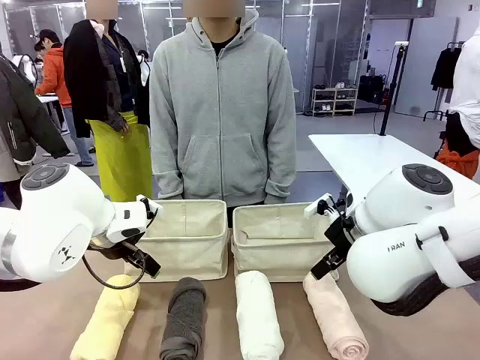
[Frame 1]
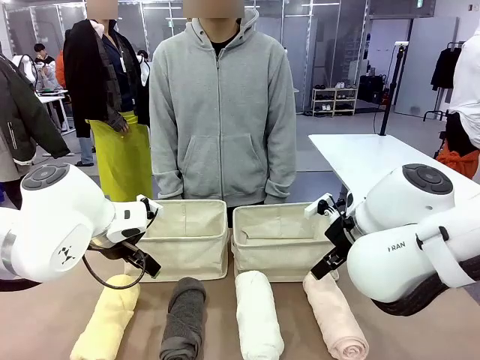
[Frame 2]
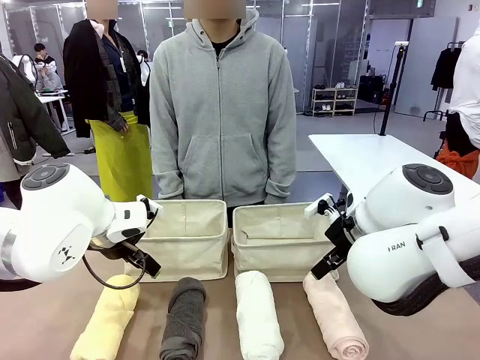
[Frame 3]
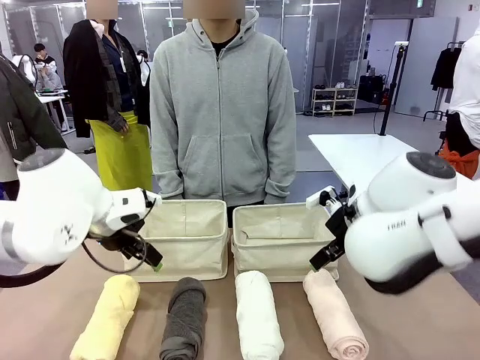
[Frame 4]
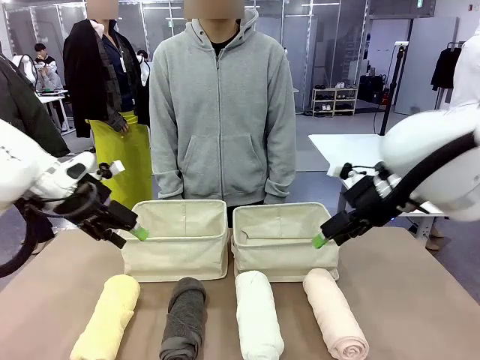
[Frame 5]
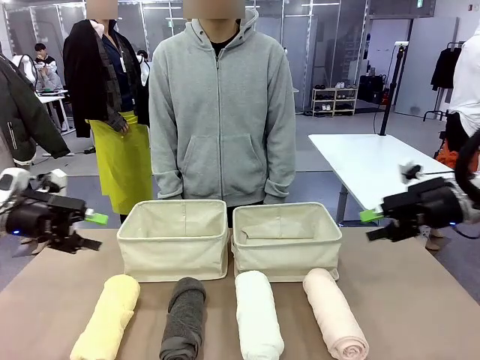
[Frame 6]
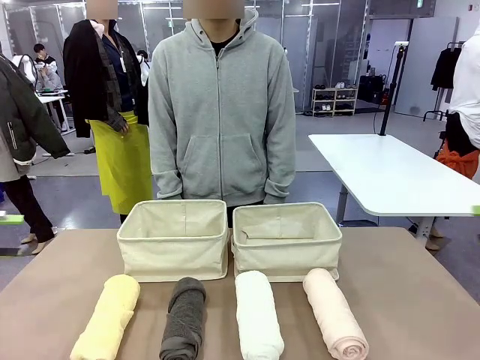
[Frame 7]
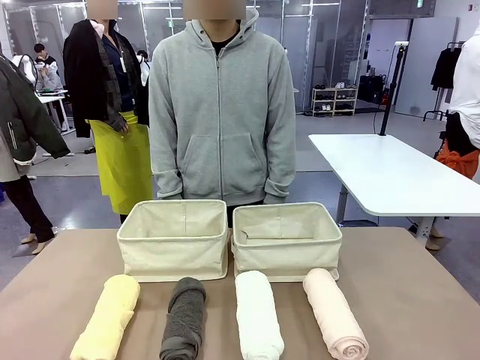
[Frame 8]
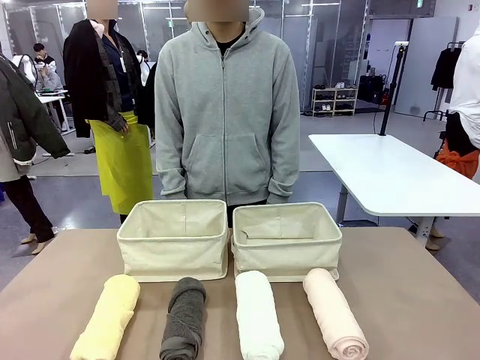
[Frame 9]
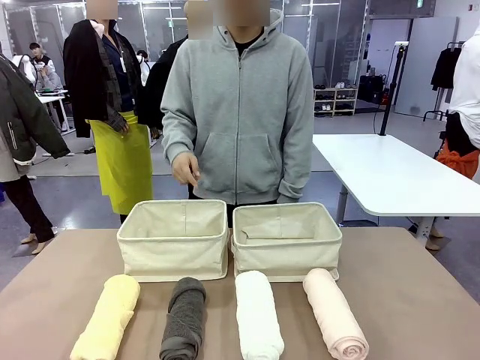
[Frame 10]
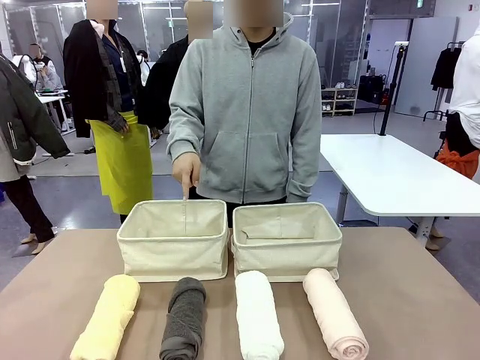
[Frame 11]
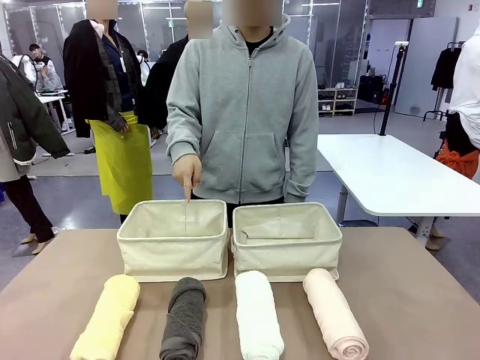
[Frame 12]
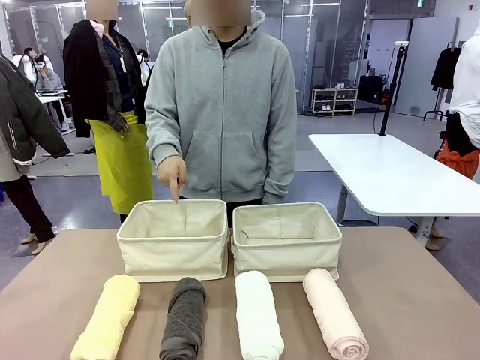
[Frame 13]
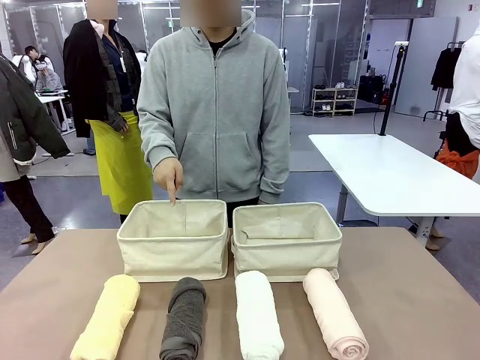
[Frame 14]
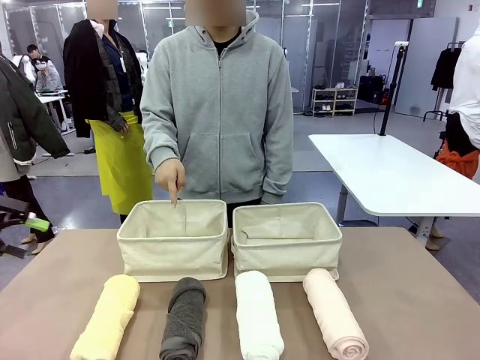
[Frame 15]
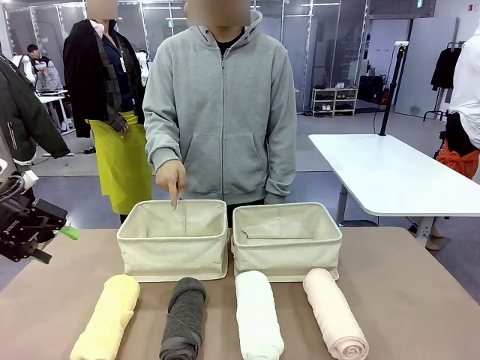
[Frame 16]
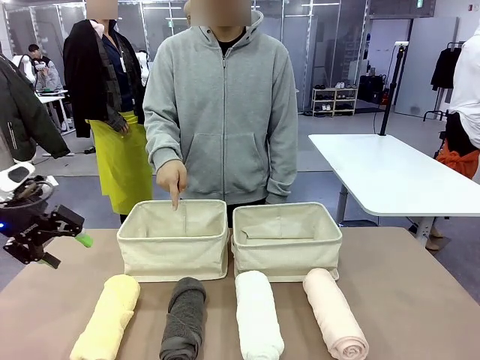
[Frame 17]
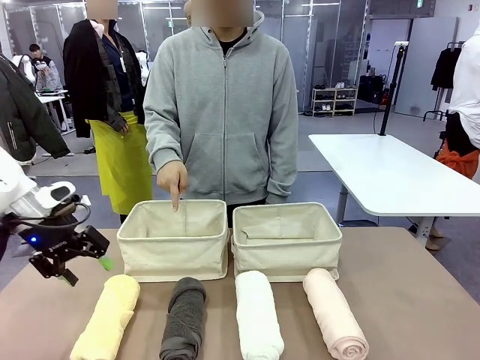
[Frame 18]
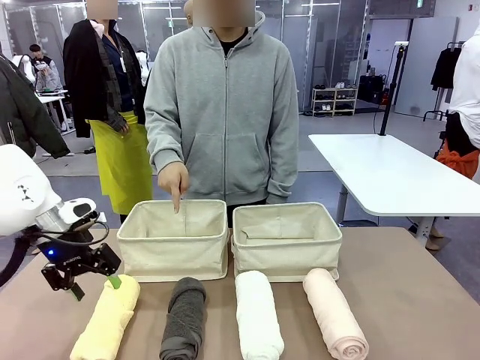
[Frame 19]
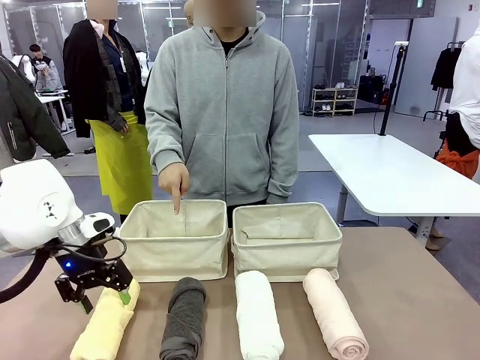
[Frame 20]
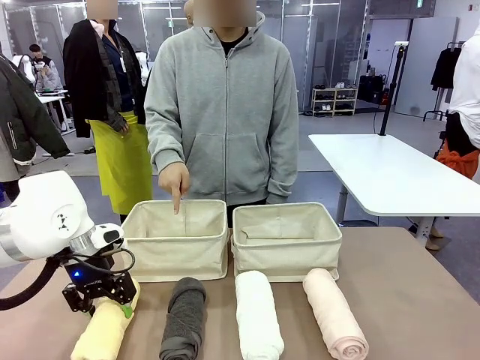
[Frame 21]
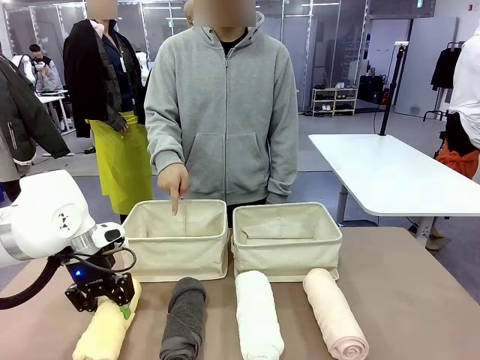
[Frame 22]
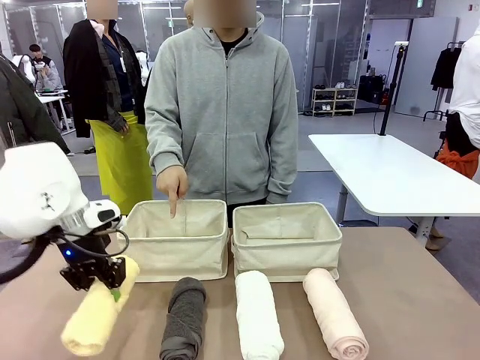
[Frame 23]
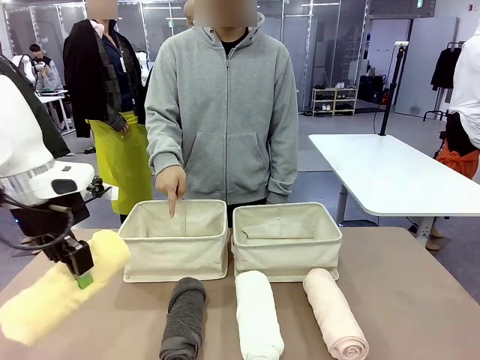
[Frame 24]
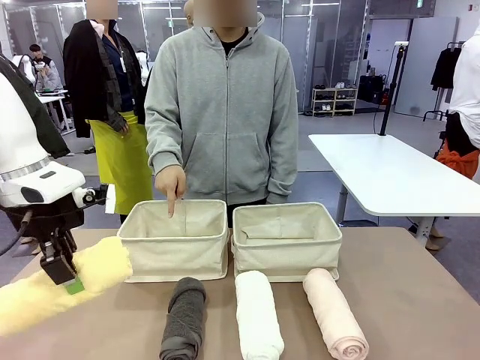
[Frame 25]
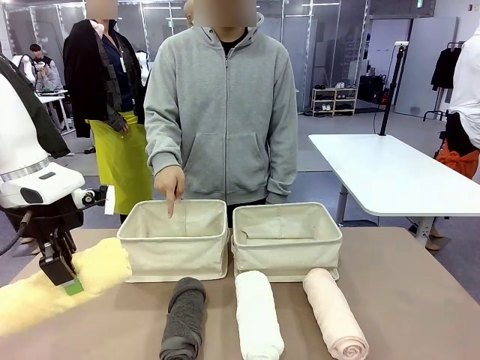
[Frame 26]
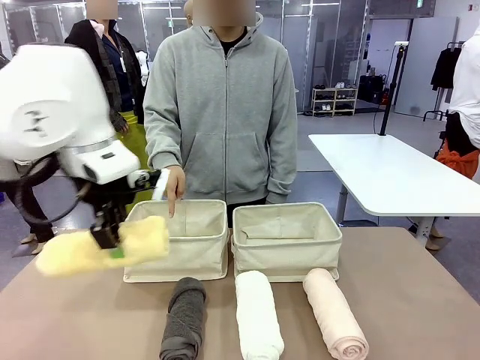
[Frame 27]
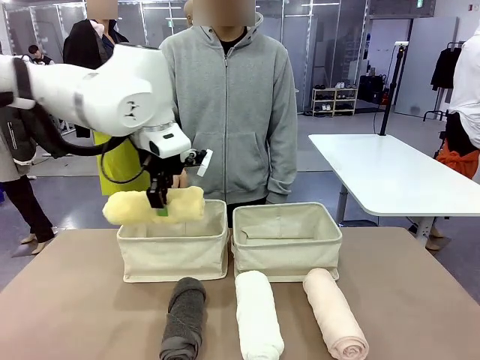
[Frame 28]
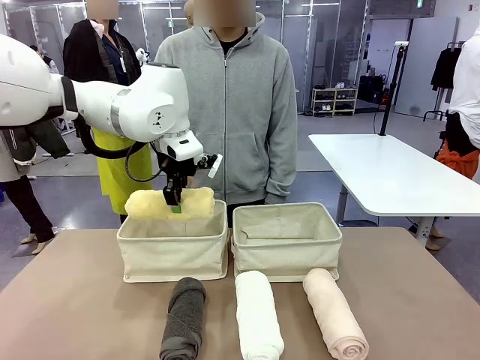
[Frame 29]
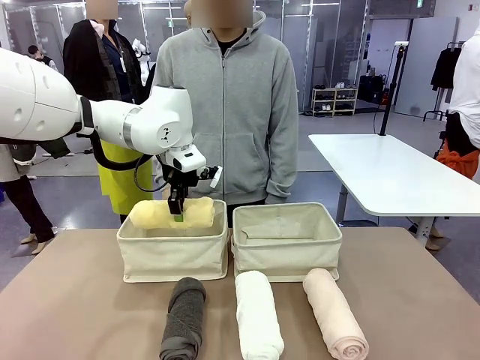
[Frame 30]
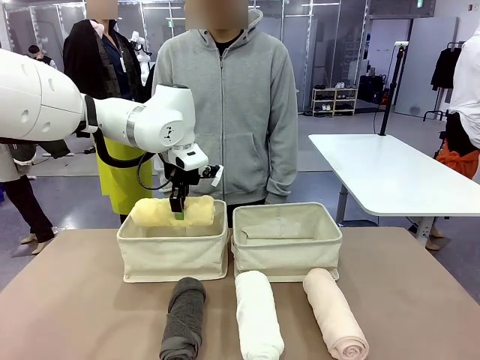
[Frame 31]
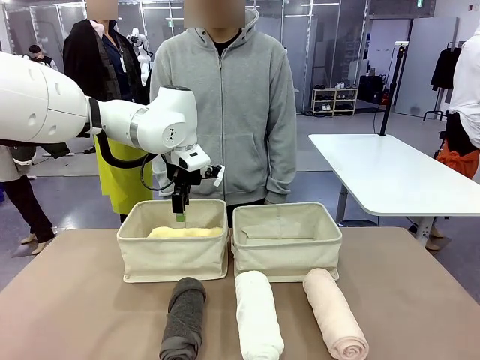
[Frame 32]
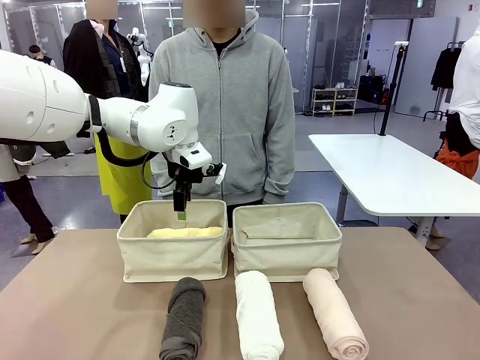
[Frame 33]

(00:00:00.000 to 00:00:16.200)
Task: Divide the towels into two baskets.
Robot: Pick up one hotel-folded towel and place it in the Fabric basket indicated by the person.
